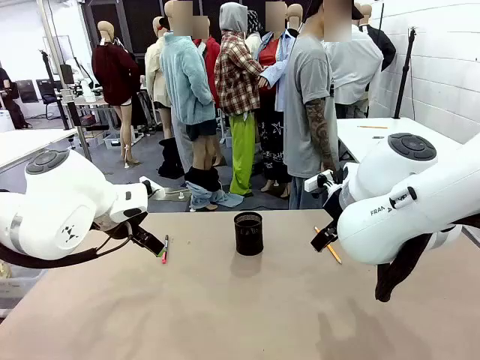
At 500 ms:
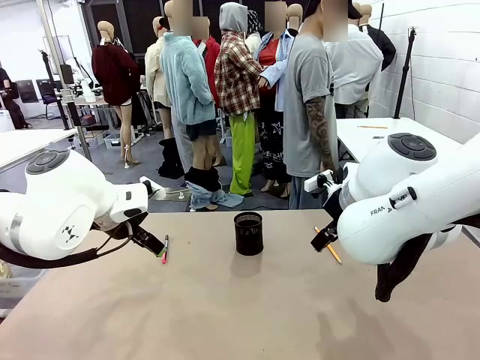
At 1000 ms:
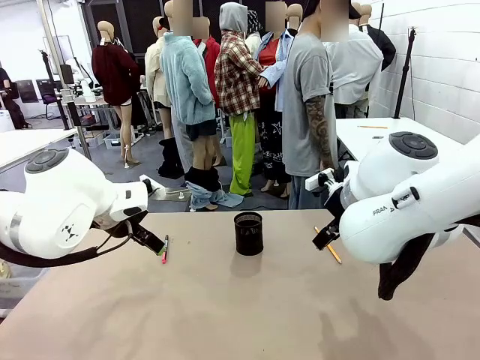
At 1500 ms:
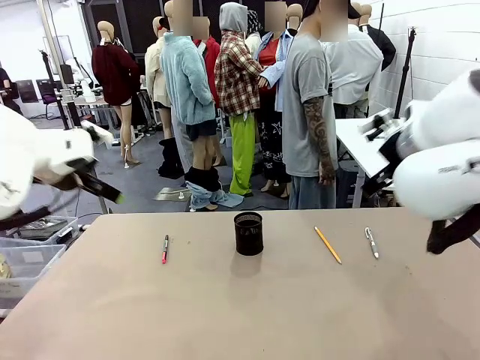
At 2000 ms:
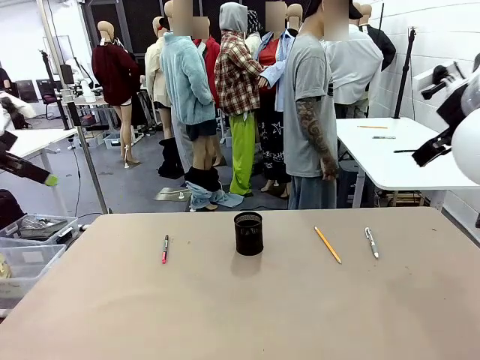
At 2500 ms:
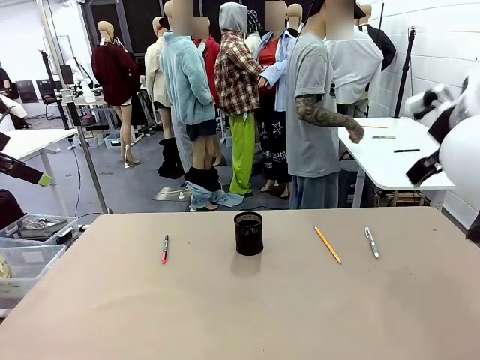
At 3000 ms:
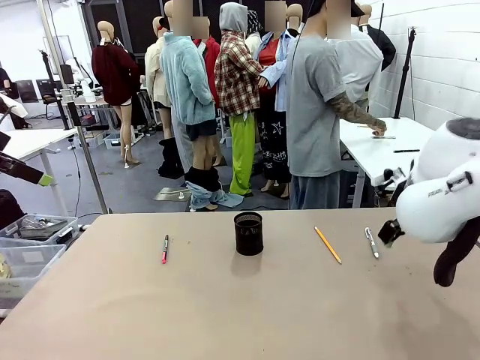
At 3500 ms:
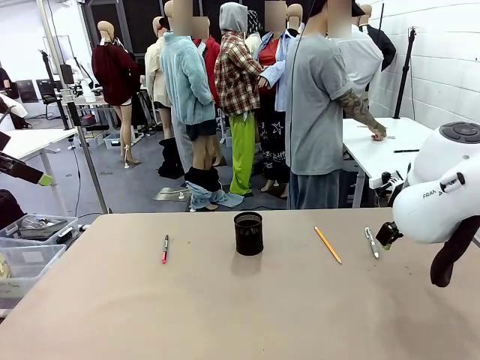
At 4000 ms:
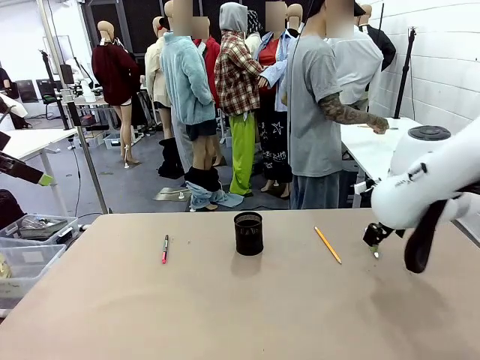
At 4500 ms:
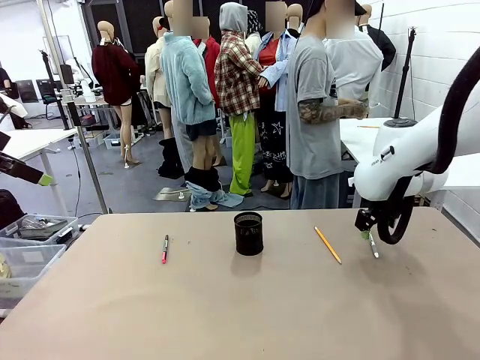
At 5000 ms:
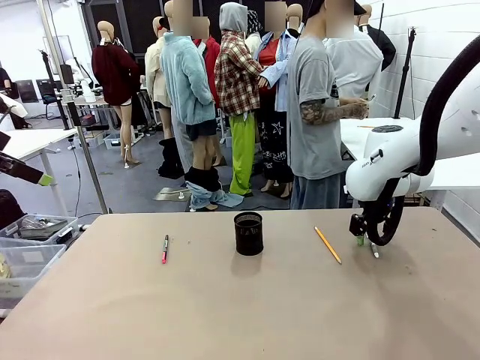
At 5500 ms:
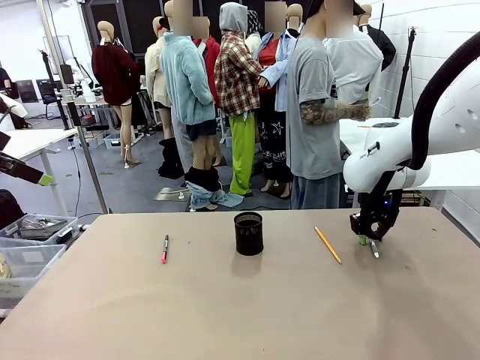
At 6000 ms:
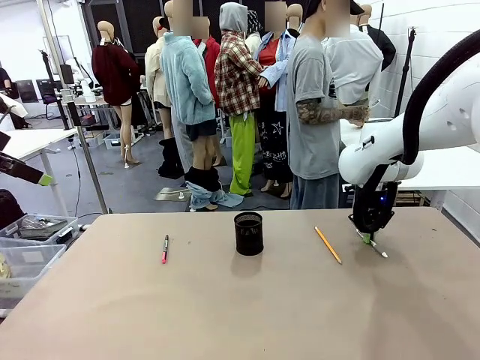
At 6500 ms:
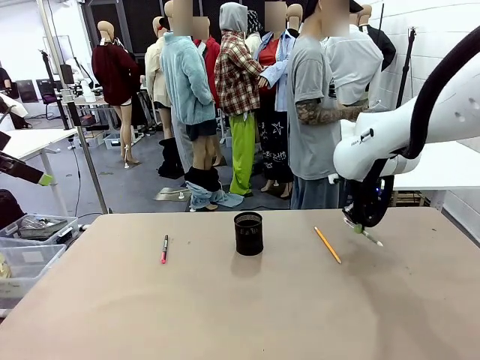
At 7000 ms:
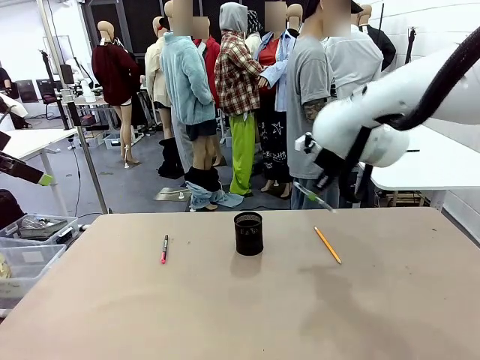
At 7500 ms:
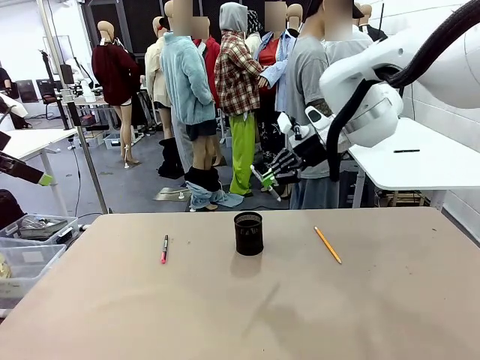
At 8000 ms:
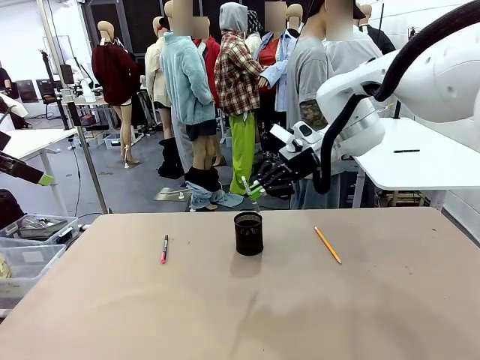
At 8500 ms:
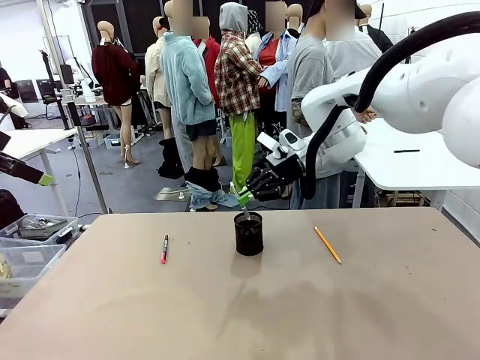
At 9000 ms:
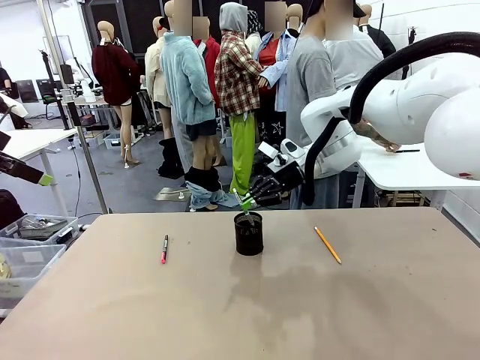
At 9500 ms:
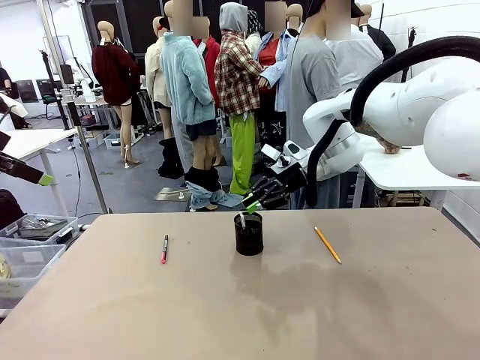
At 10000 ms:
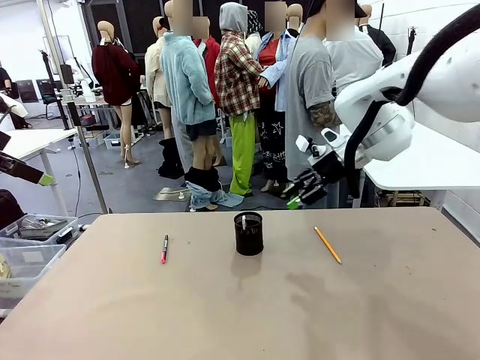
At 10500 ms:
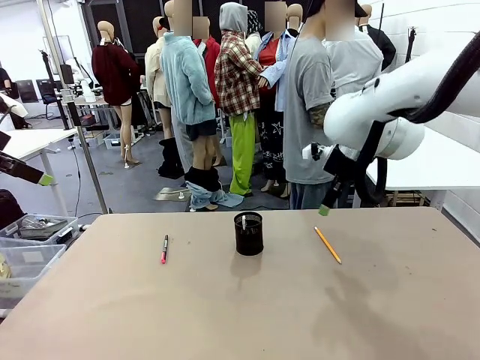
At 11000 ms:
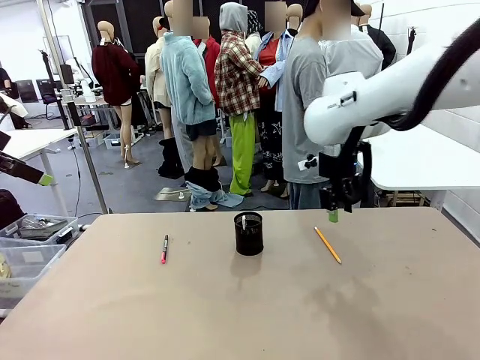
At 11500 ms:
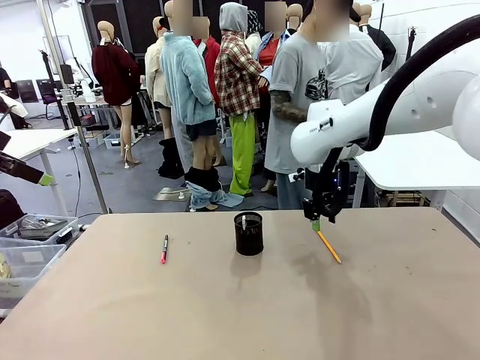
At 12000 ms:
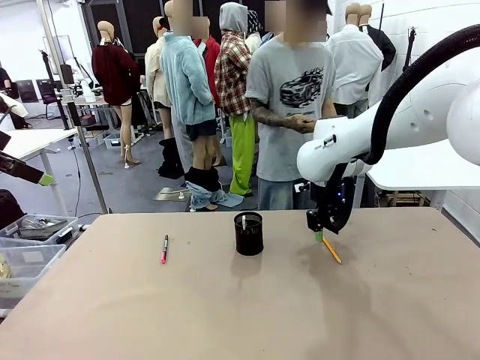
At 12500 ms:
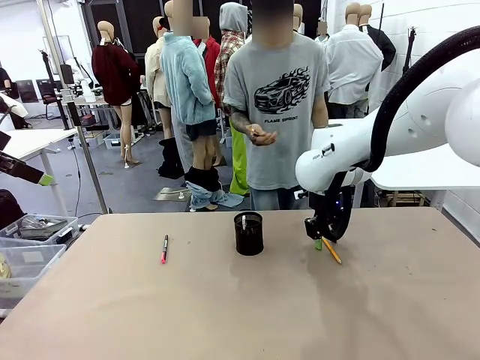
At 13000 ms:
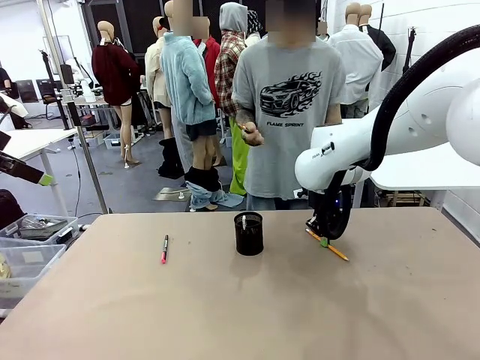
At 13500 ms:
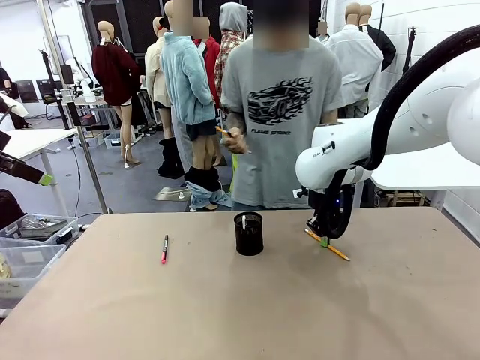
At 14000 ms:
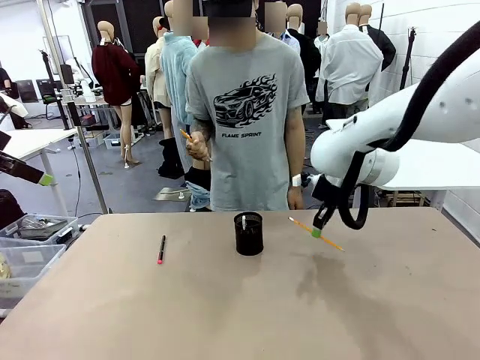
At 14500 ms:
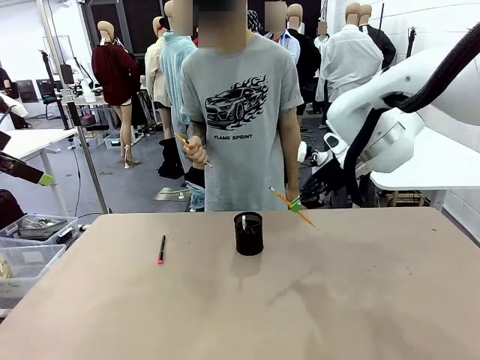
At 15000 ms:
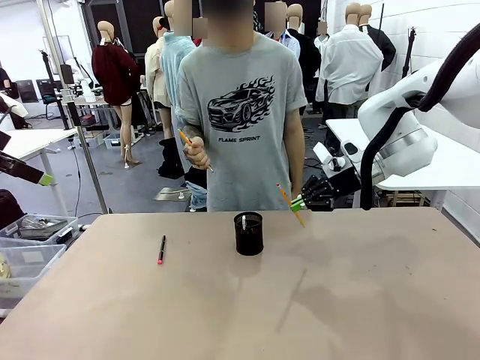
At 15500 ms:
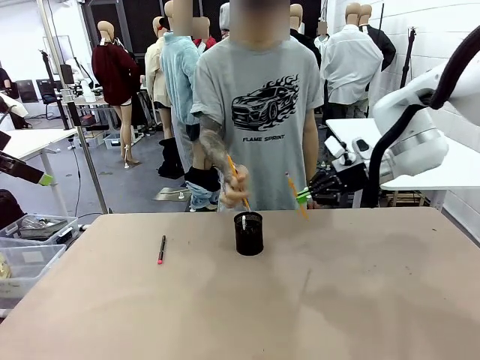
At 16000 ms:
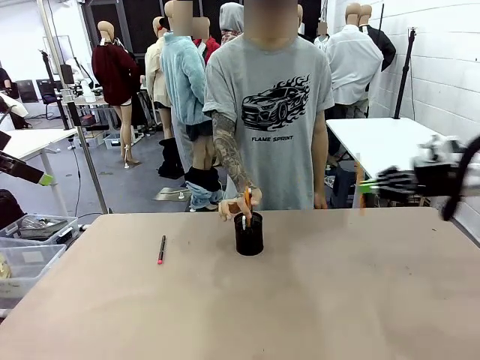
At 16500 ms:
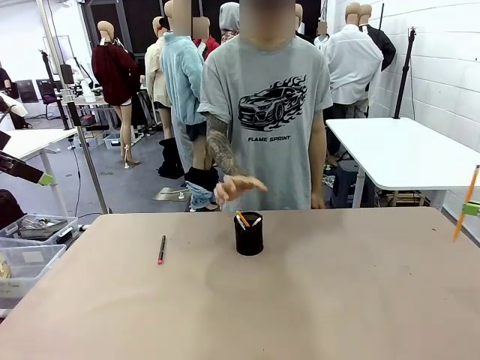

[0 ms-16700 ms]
Task: Place the pens into the pen holder.
Robot: Pick up a writing instrument from the table and place it into the Pen holder.
Person: Pick up all writing instruments from the Human table.
